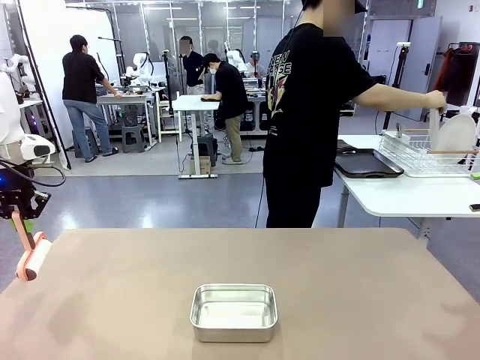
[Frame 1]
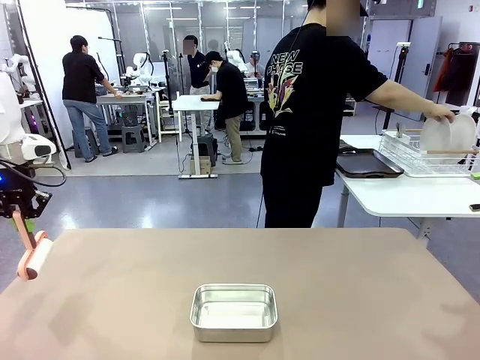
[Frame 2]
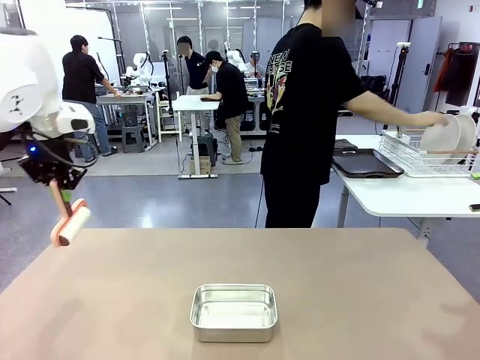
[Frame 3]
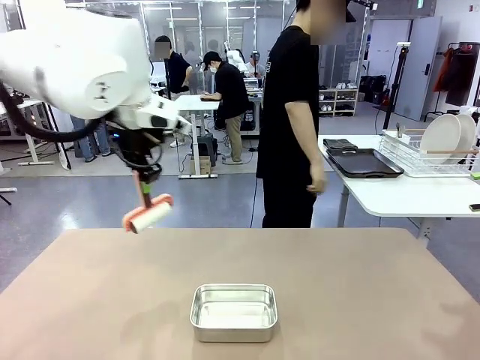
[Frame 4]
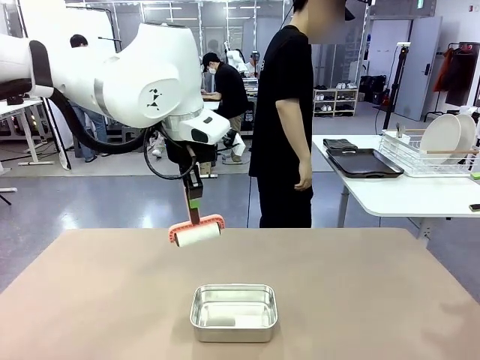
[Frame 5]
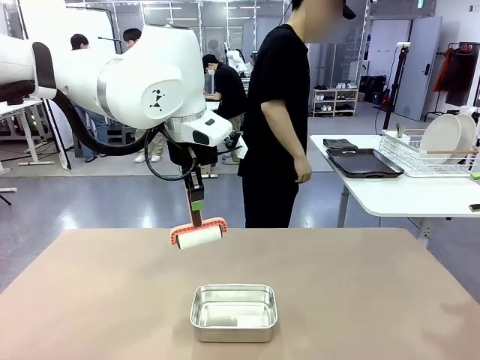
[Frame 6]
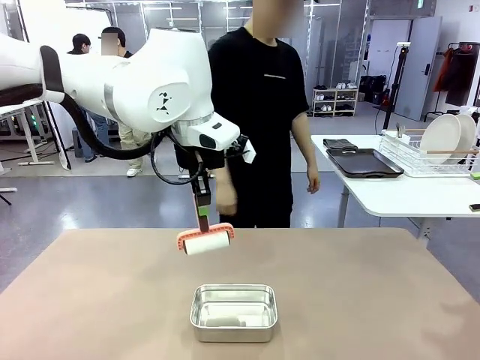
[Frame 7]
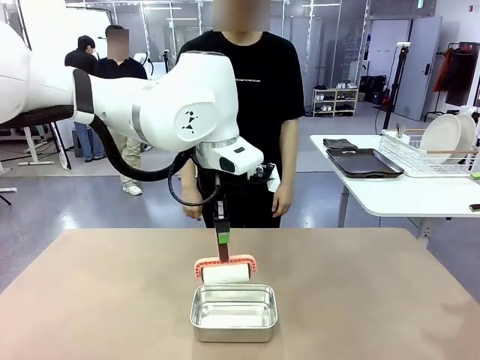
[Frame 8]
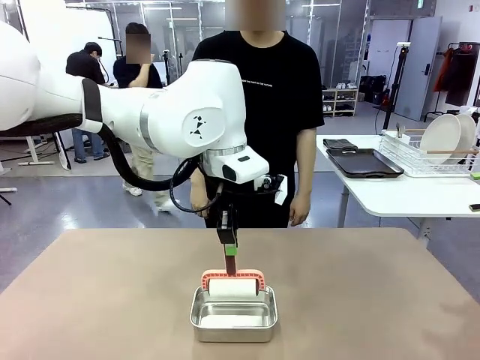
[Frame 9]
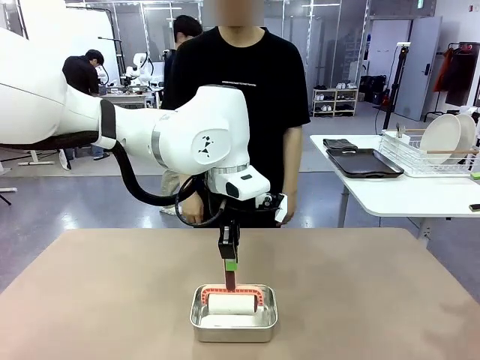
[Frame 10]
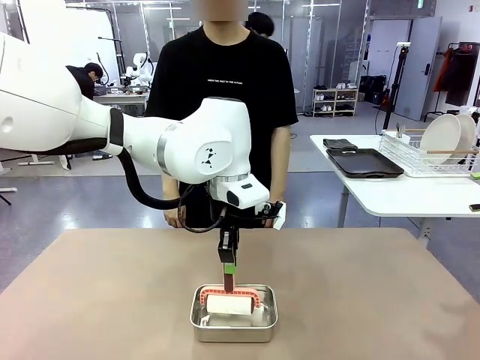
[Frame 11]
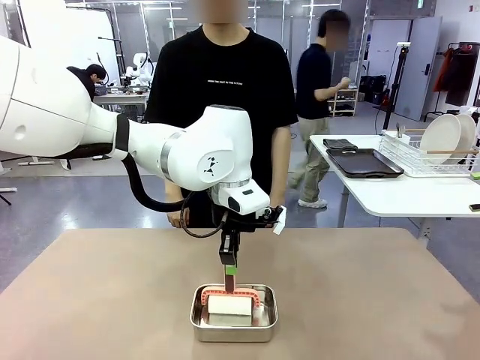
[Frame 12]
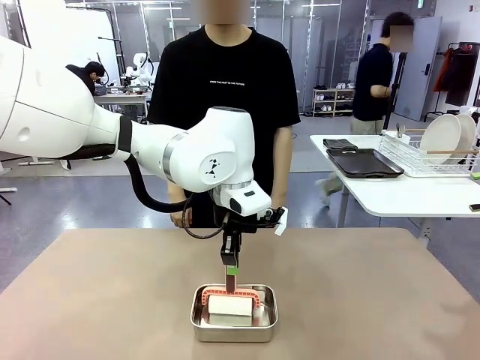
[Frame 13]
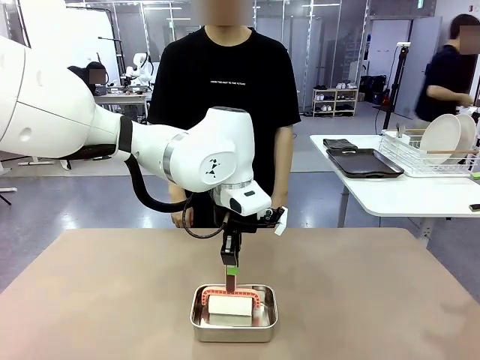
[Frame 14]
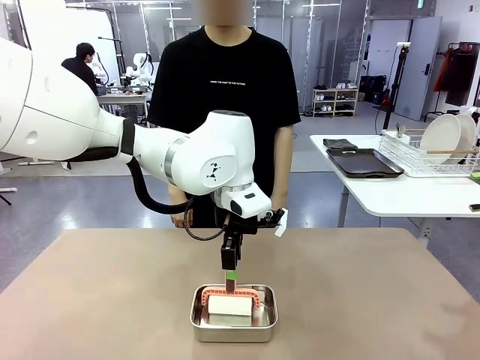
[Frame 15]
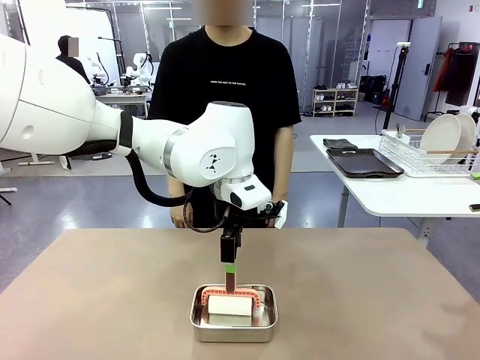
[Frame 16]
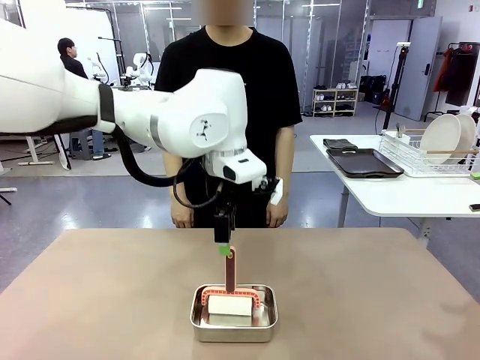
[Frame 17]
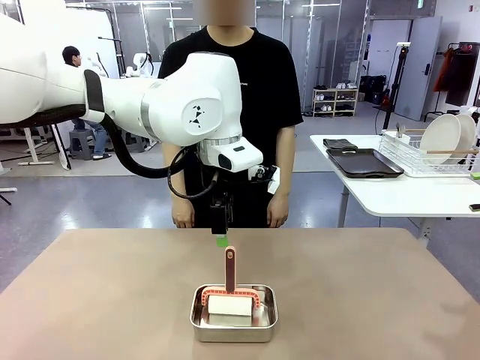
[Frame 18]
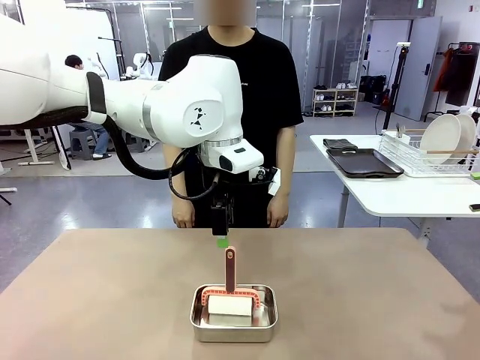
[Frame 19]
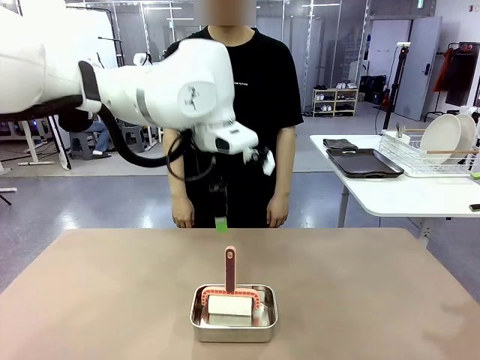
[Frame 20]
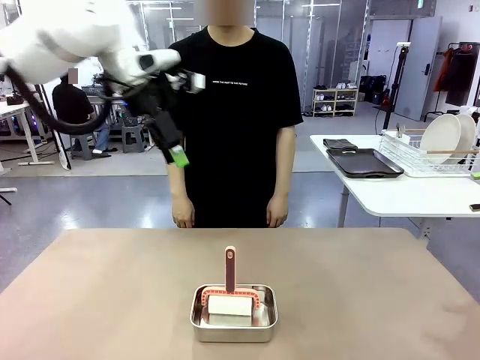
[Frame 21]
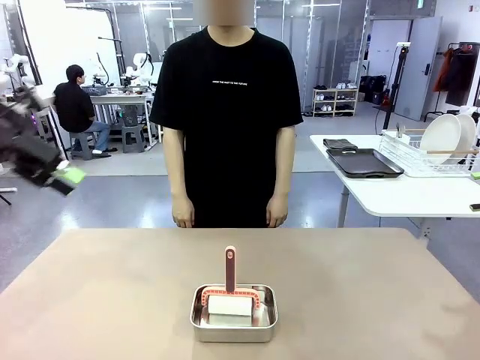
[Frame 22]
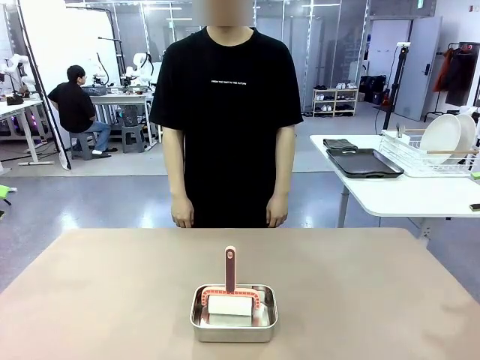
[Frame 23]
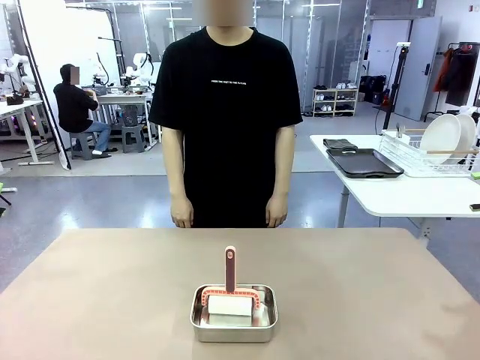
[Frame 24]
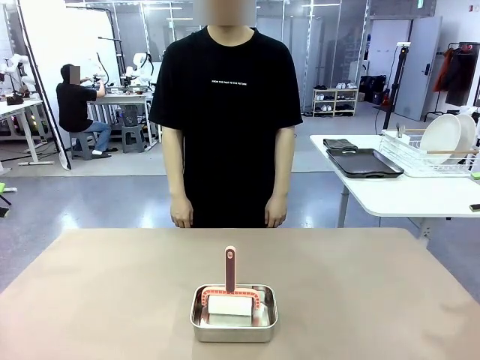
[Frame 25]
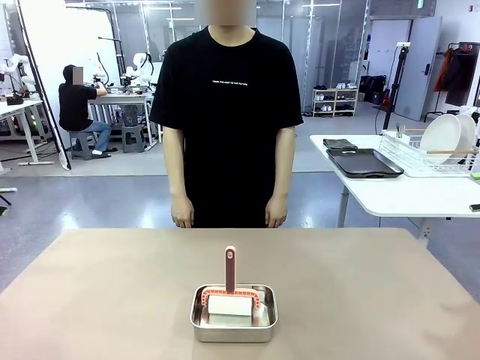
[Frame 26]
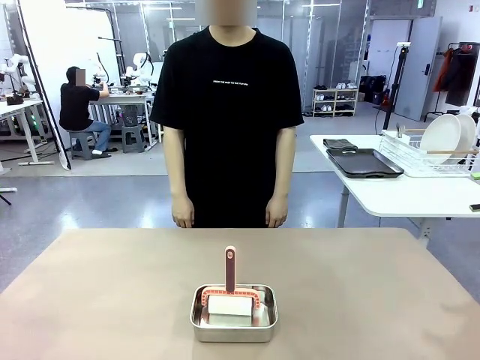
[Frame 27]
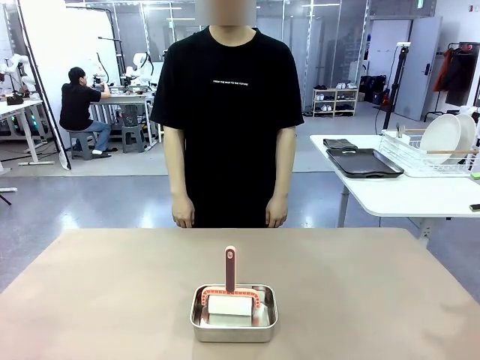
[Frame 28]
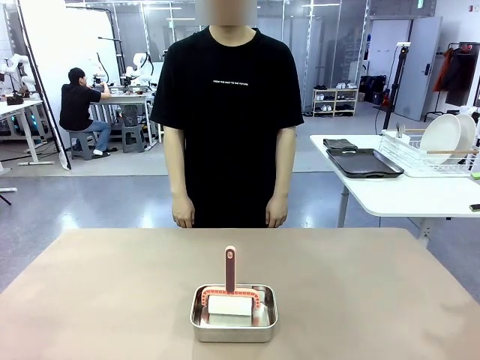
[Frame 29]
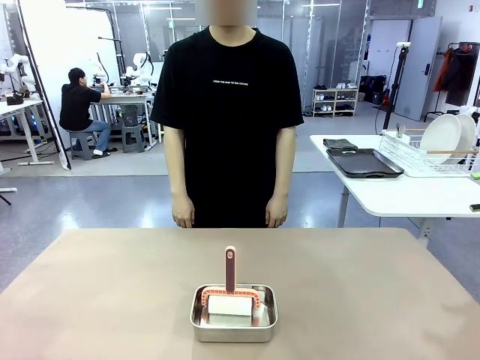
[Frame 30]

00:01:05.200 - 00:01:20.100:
Robot: Place the Lint Roller back on top of the Airtight Container.

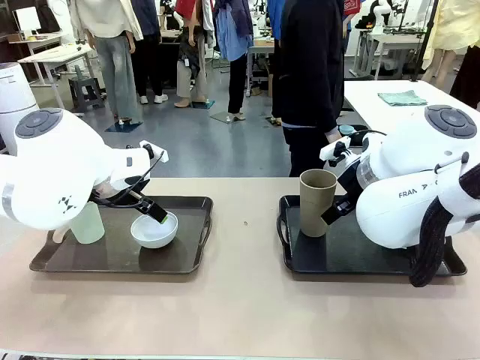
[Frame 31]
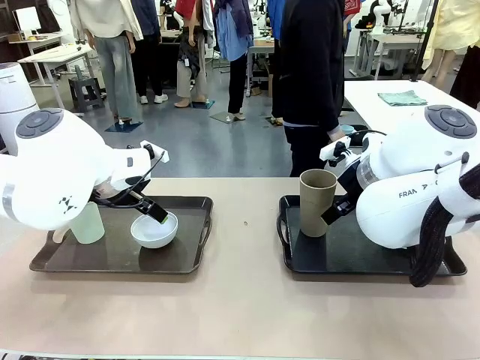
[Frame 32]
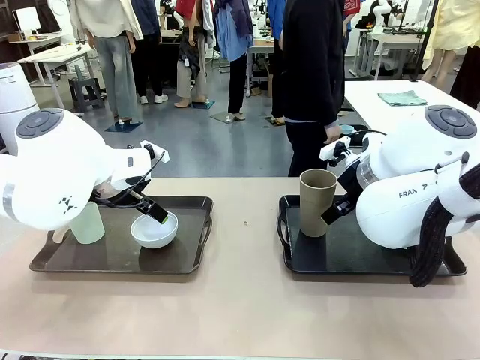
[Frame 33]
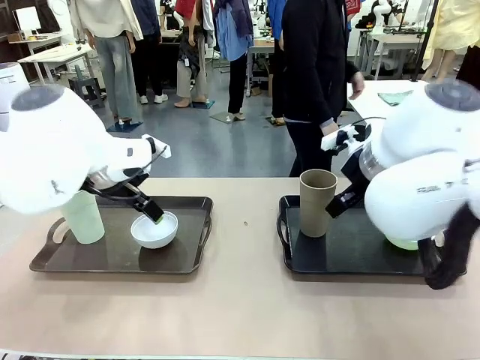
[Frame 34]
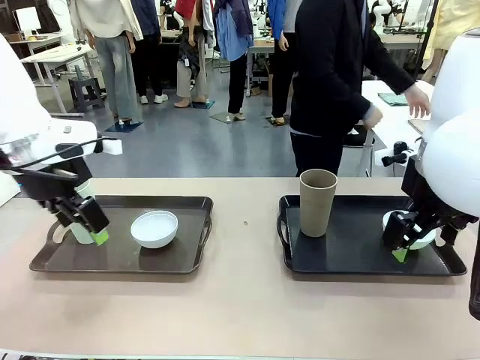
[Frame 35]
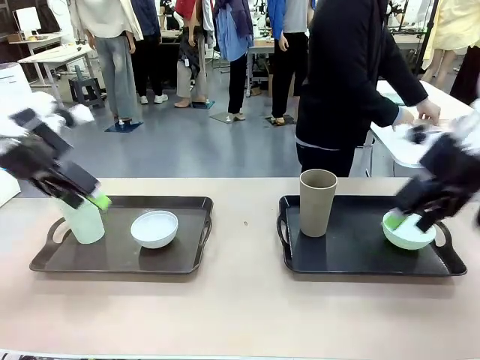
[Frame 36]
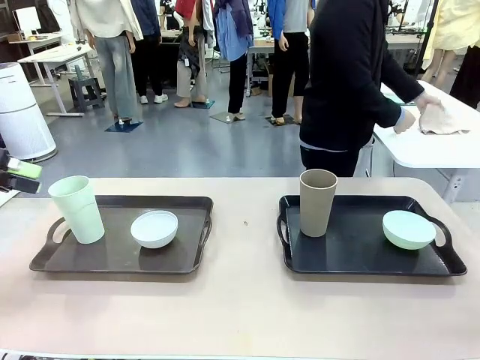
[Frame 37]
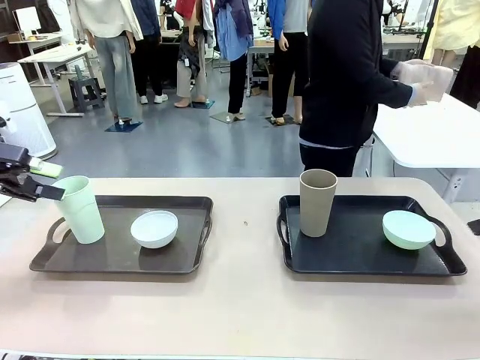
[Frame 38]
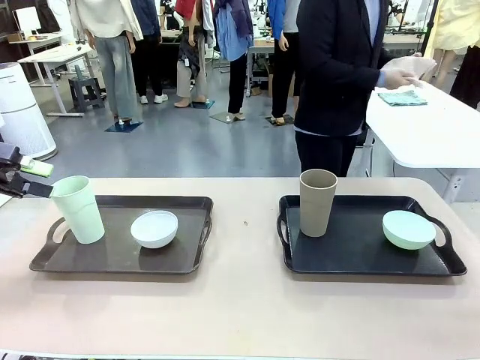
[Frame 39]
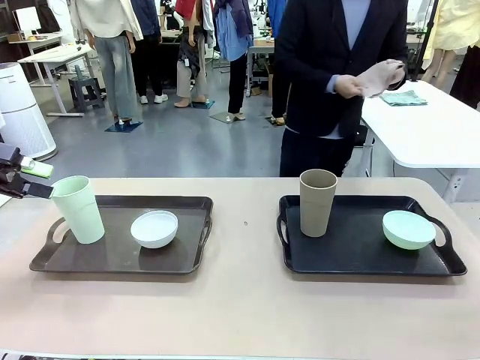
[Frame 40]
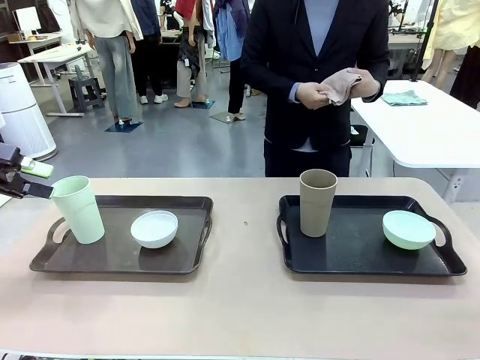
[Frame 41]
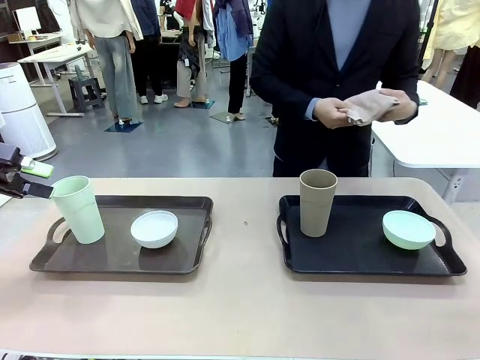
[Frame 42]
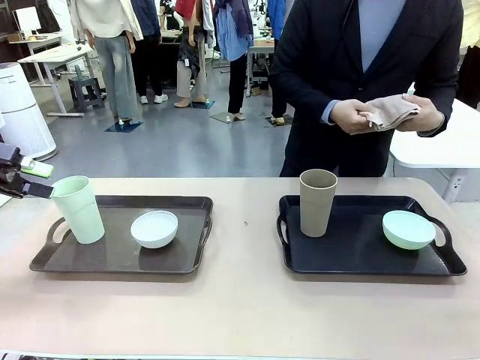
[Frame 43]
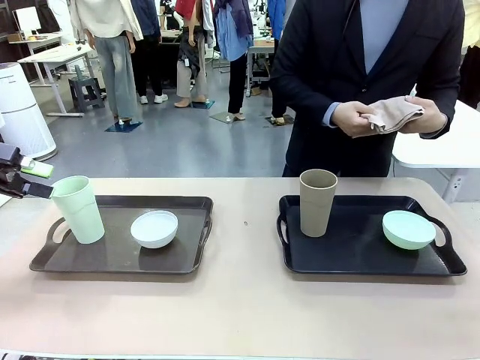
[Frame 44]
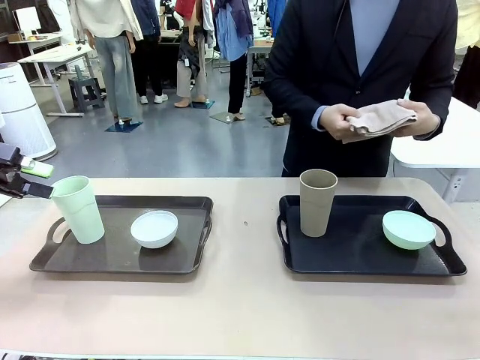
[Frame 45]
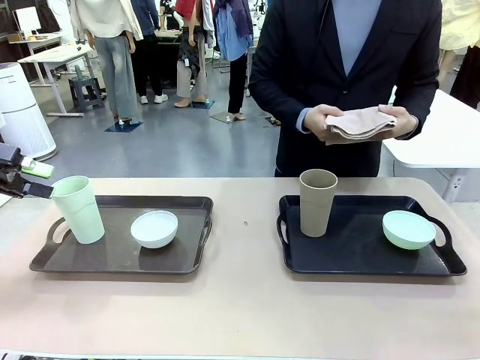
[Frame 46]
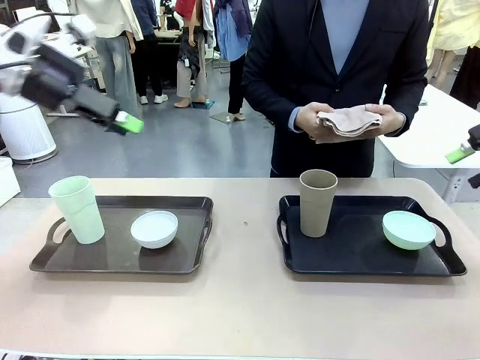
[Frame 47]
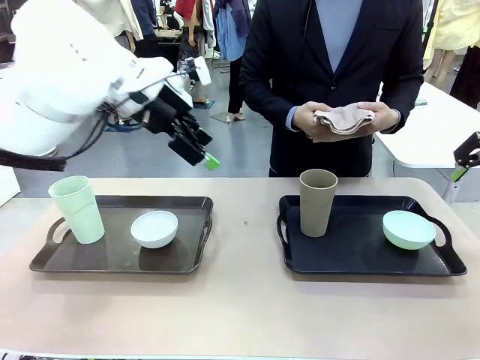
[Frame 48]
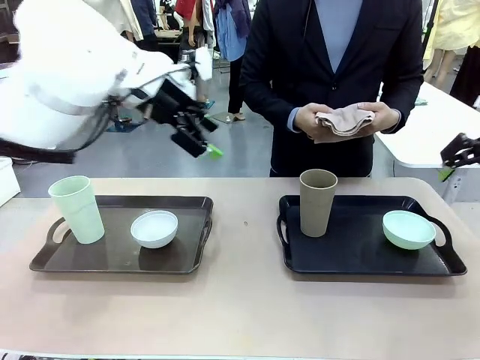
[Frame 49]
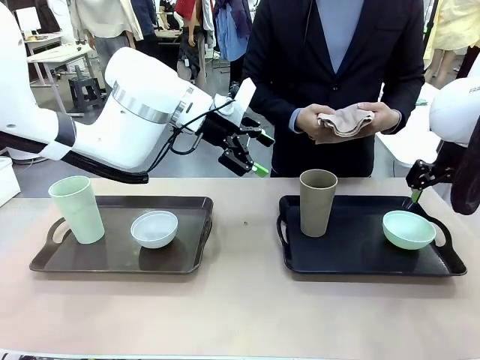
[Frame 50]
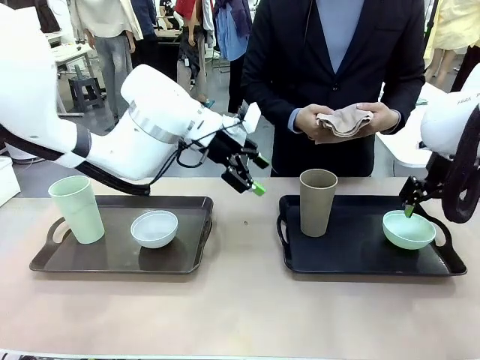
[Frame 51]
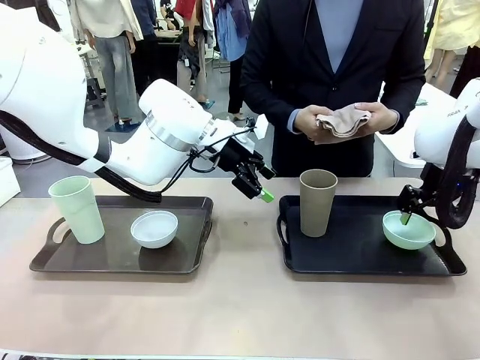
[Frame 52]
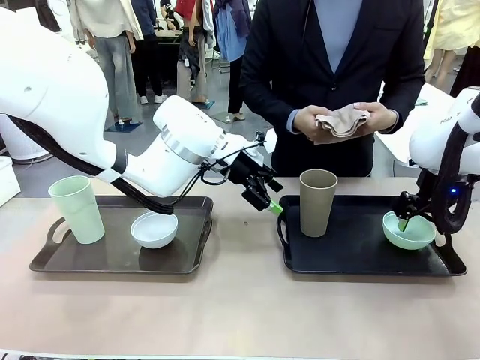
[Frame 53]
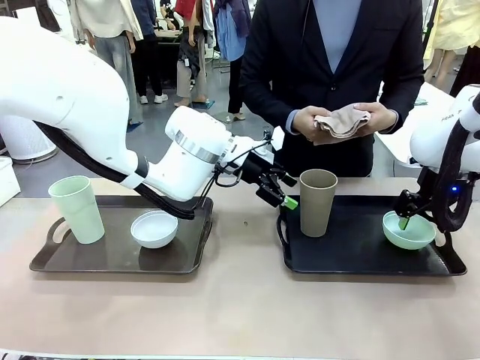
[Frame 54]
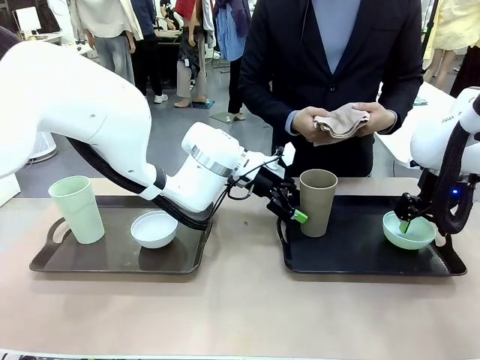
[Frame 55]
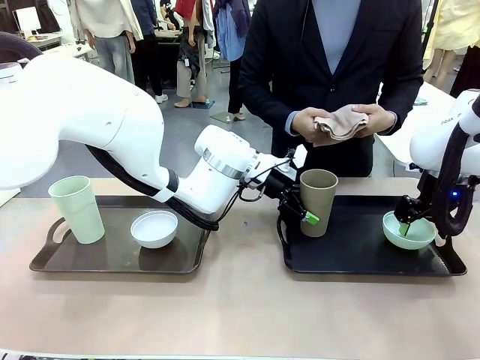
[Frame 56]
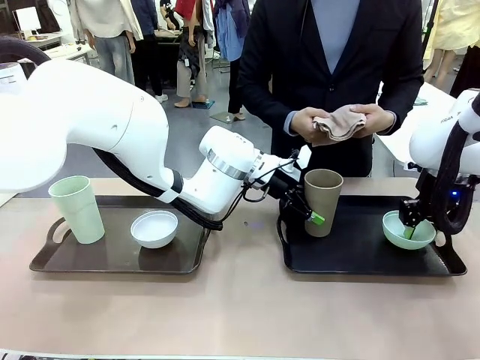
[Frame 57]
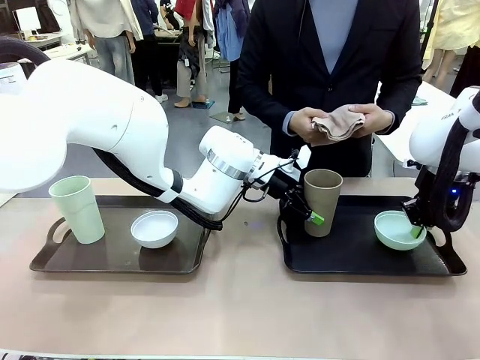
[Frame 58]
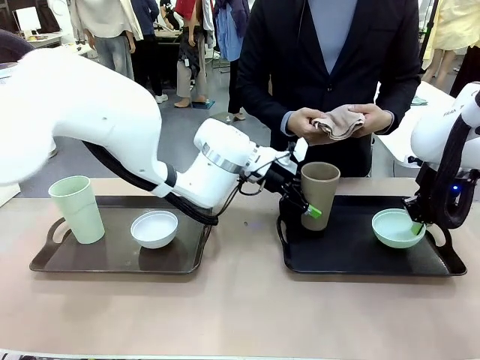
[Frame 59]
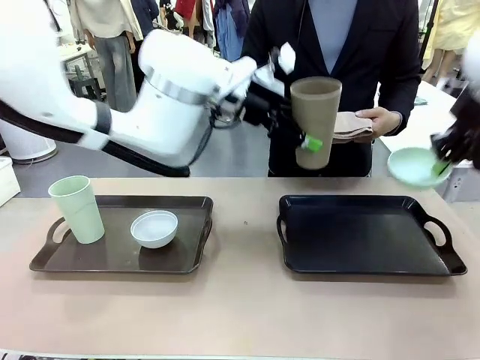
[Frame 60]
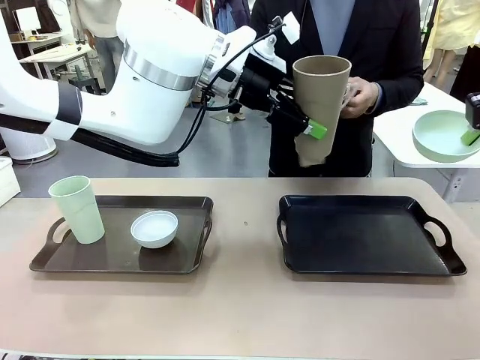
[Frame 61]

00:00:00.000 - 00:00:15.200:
Robot: Pick up the Picnic Bowl and Reusable plastic cup from the Handle tray in front of the human's position and hold them in the air.
Person: The human picks up the top napkin from the stack on the human table and walks to the robot table to stand in front of one of the two trays. When the robot lifts the bowl and the cup, the human unfolds the napkin and lays the napkin flat on the tray.
